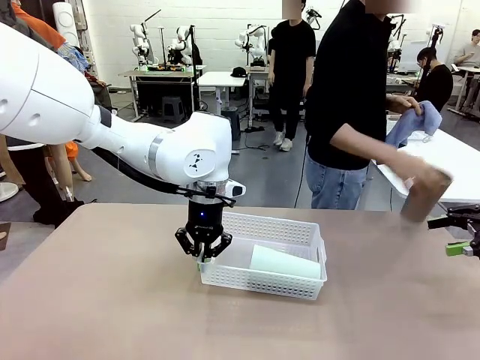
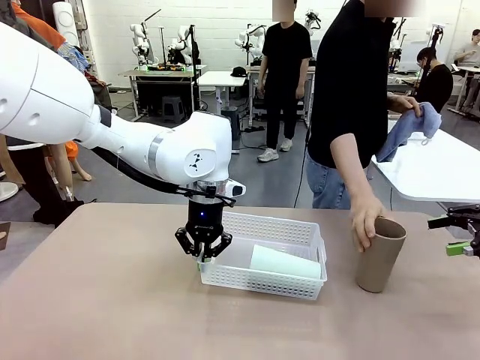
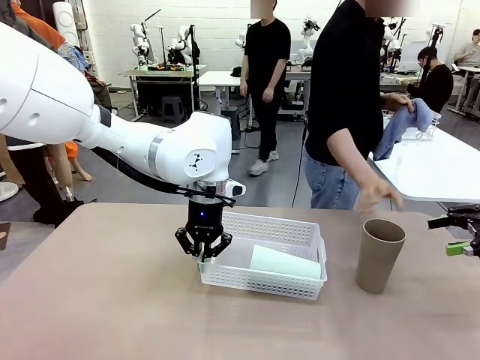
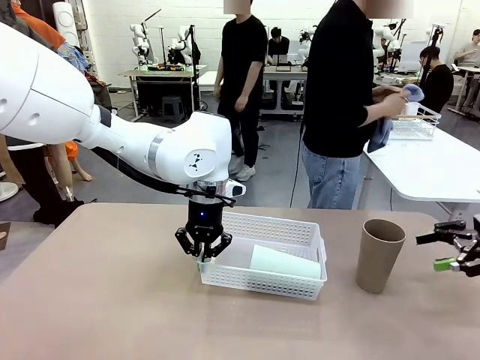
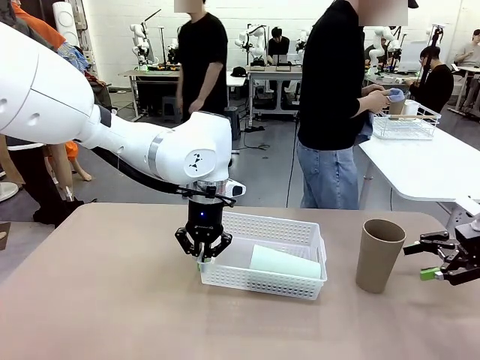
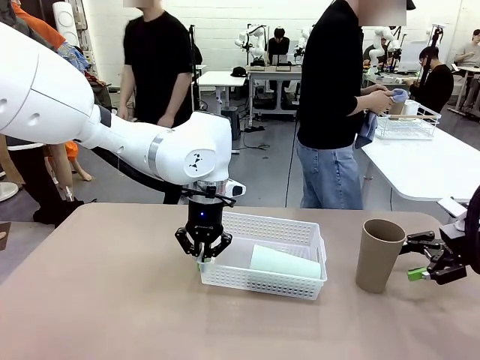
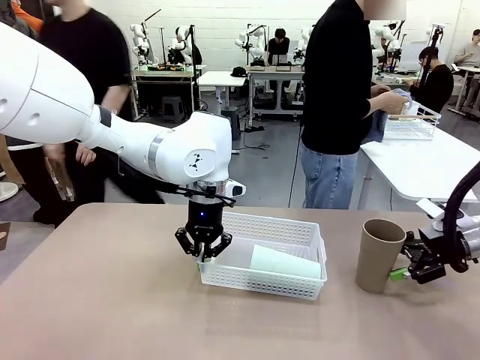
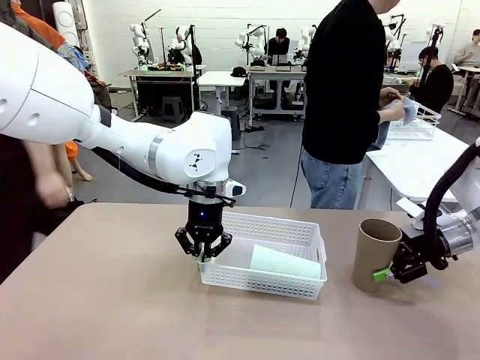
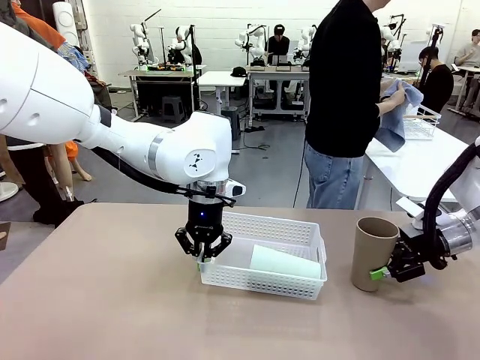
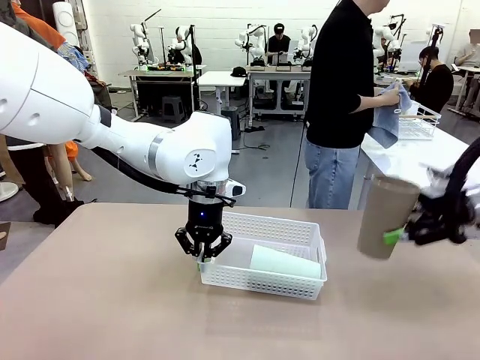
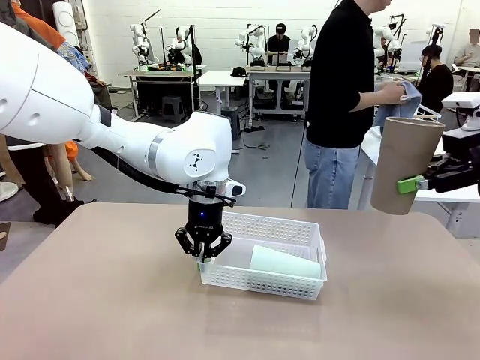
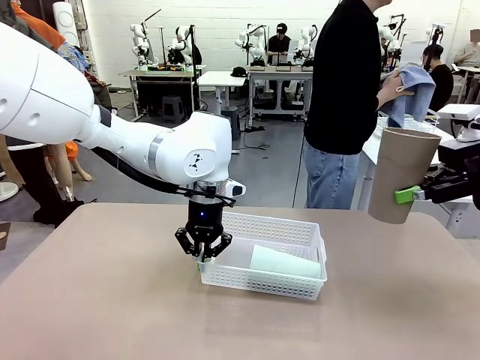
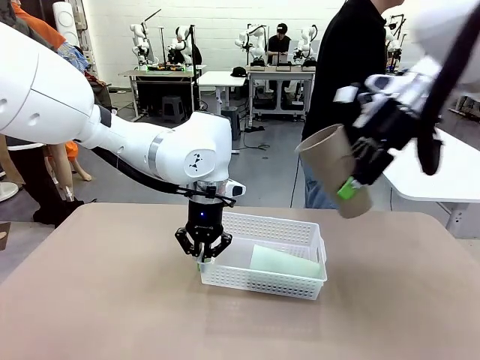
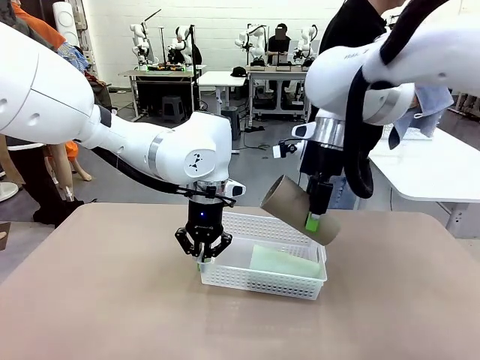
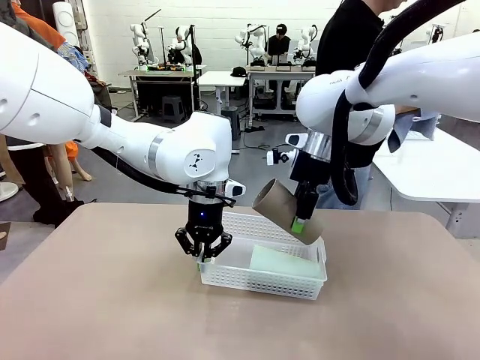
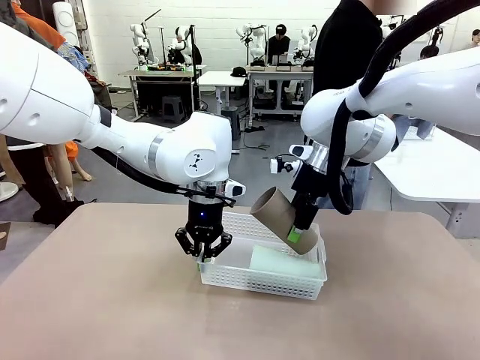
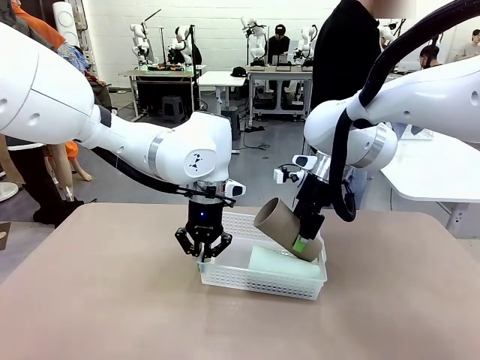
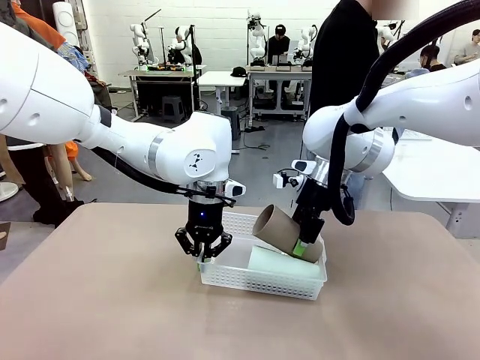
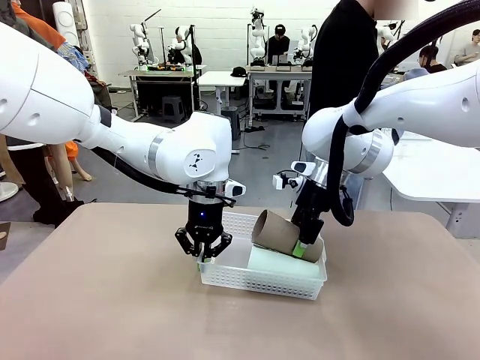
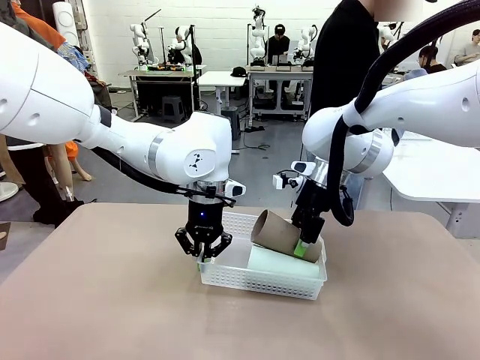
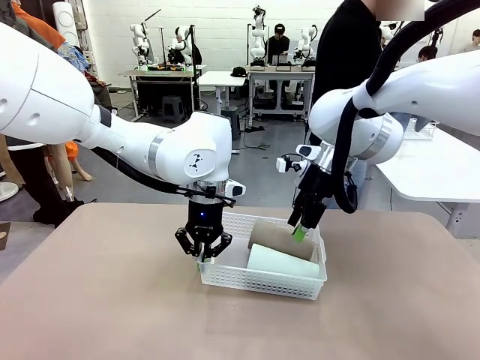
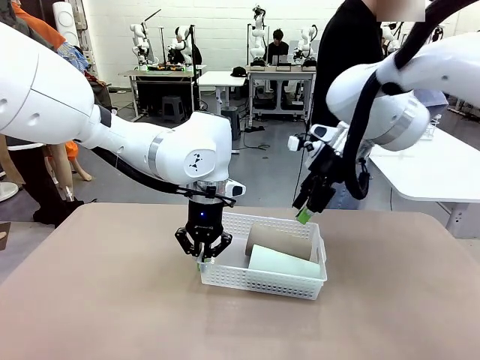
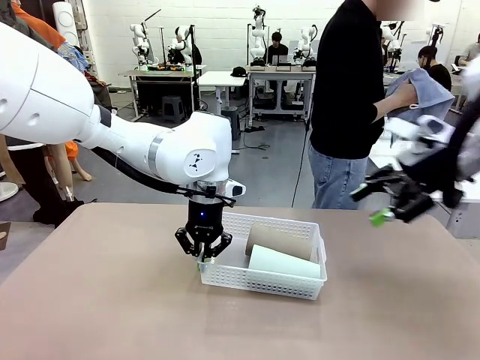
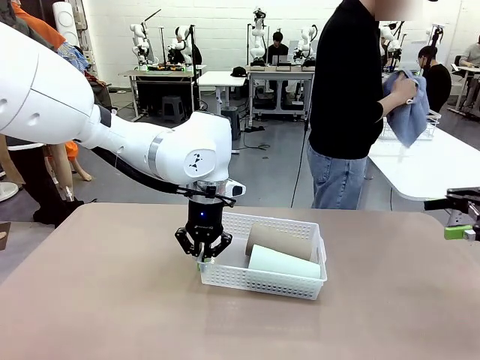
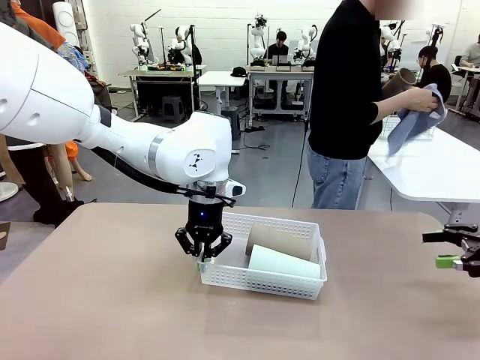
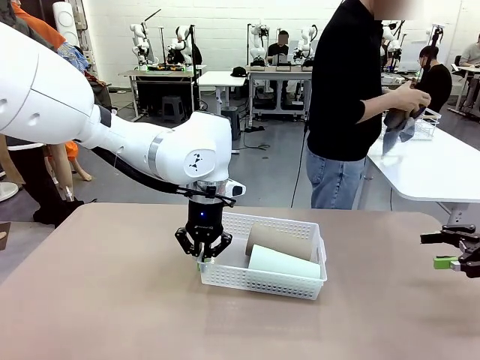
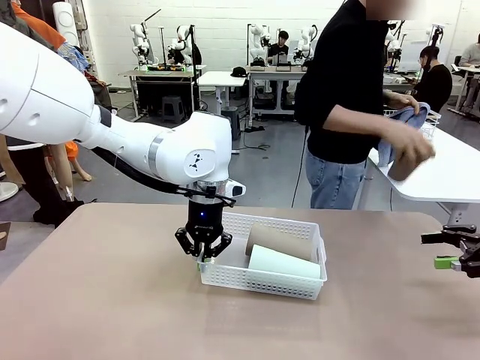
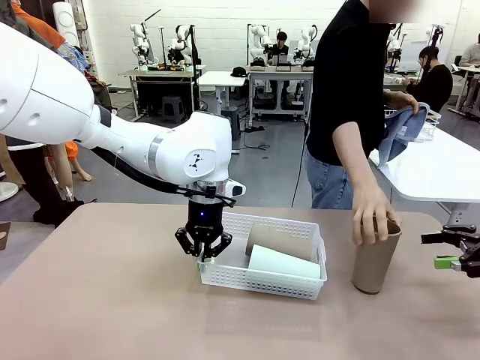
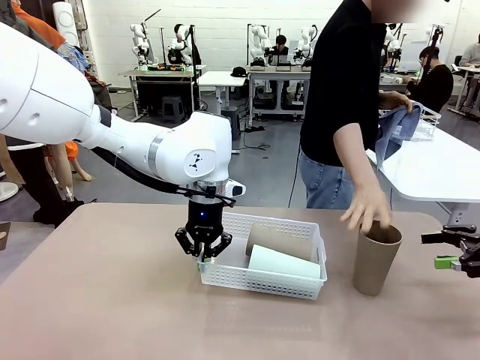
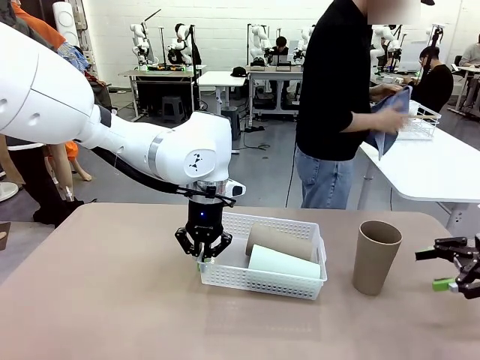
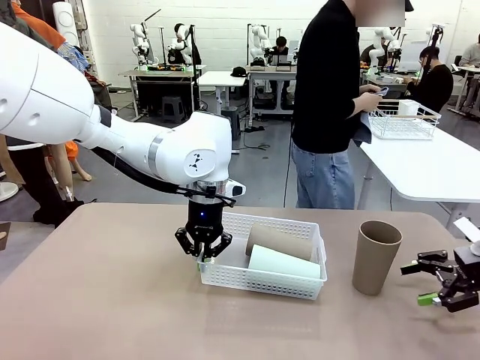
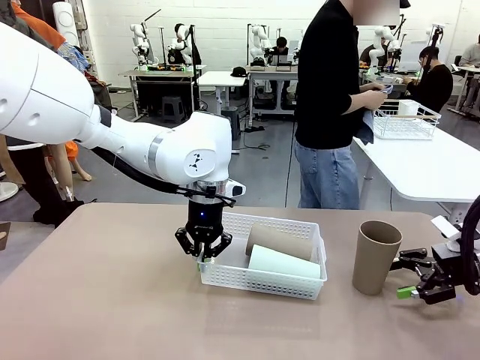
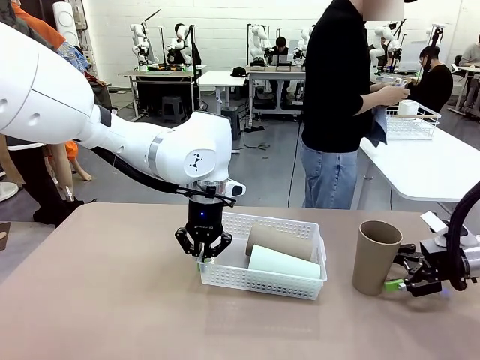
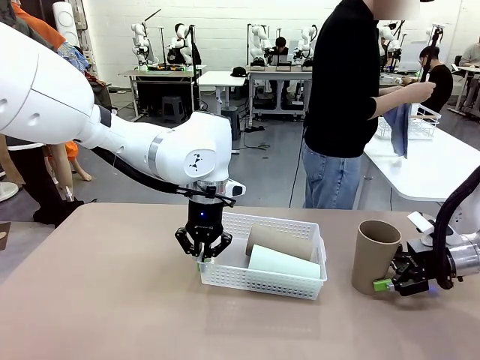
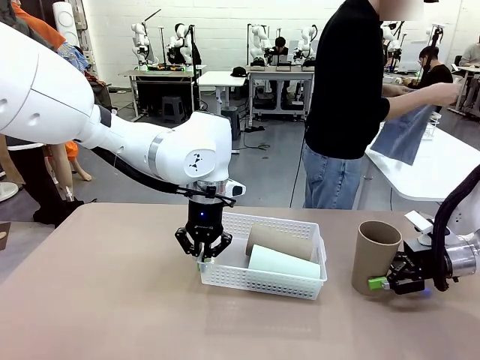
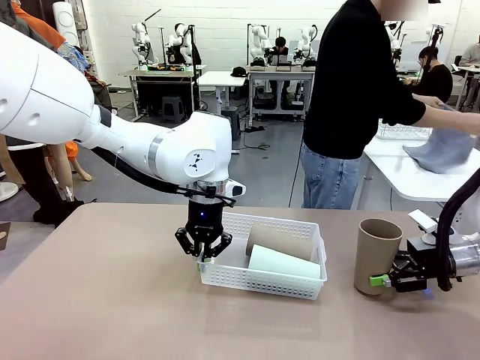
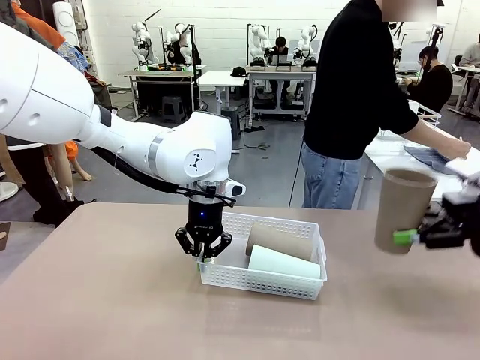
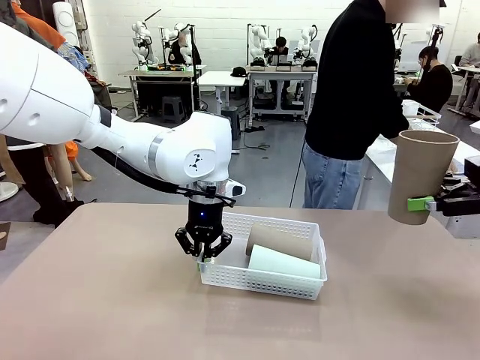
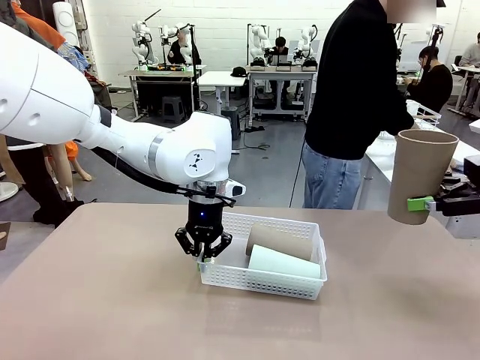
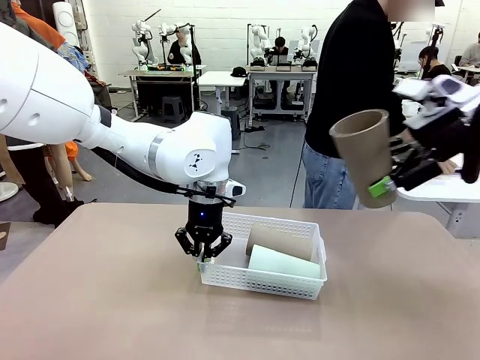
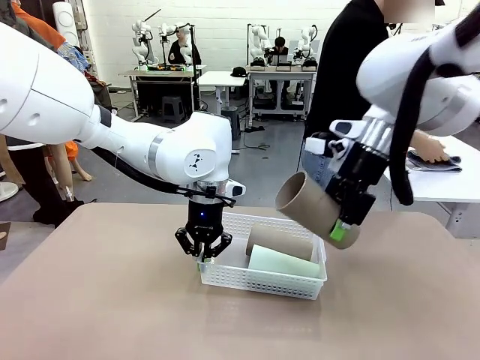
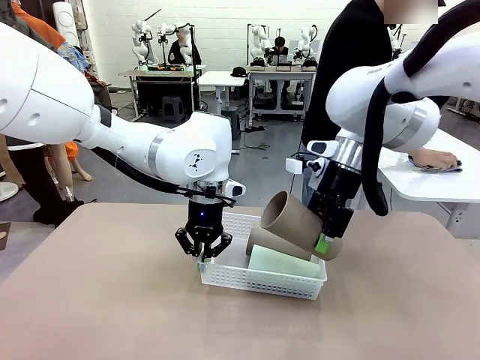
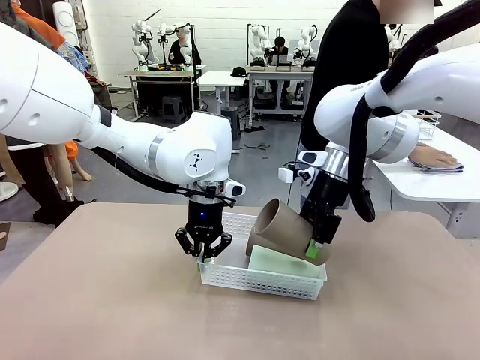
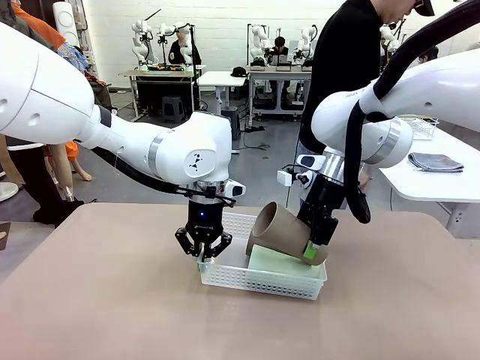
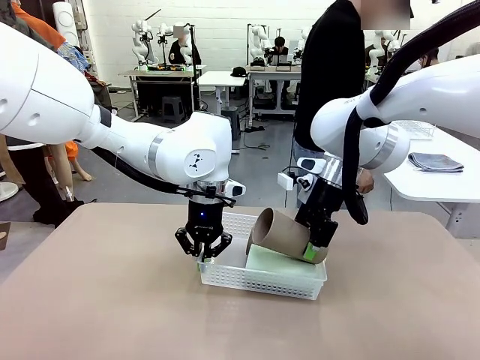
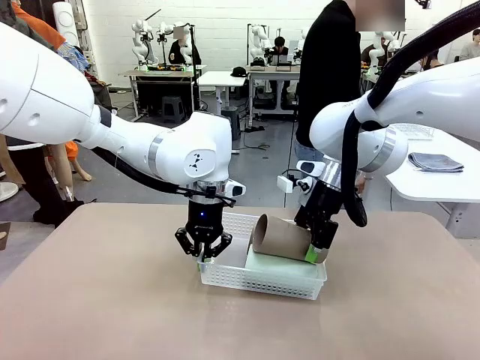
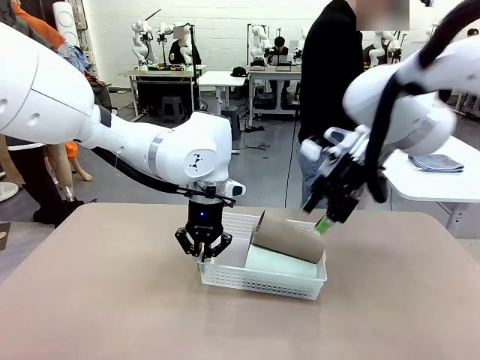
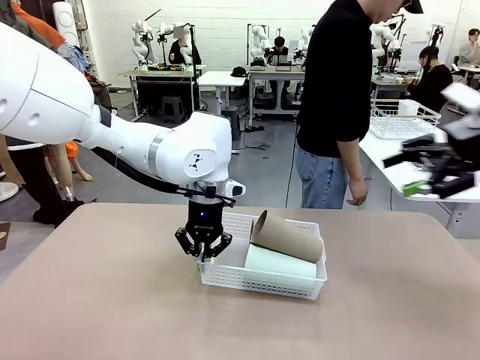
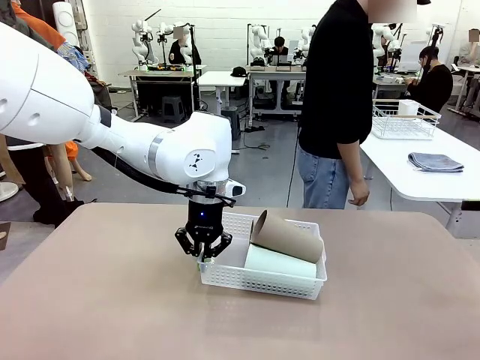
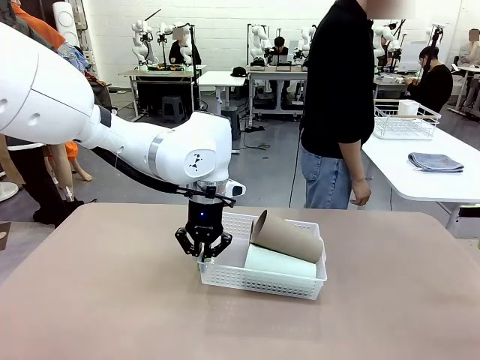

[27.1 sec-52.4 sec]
Task: Clean and organize the cups into the basket.
Robot: Pick up the Reusable plastic cup from the right side of the table and stack it inside the Organizing basket in the center of the table.
